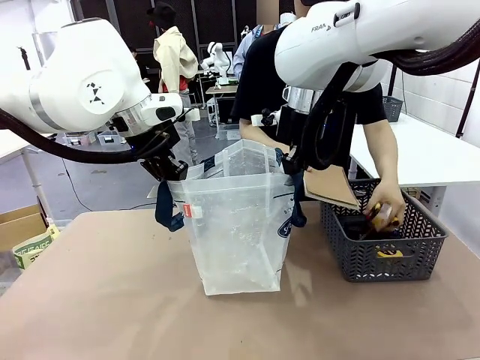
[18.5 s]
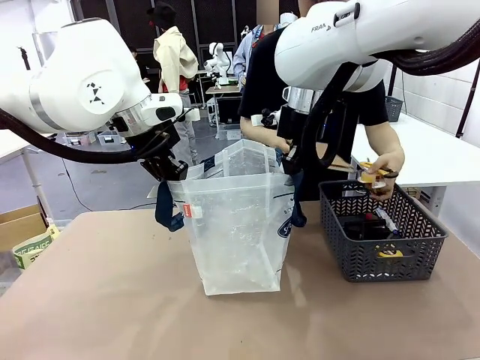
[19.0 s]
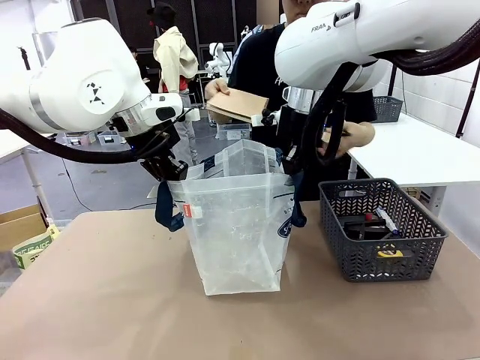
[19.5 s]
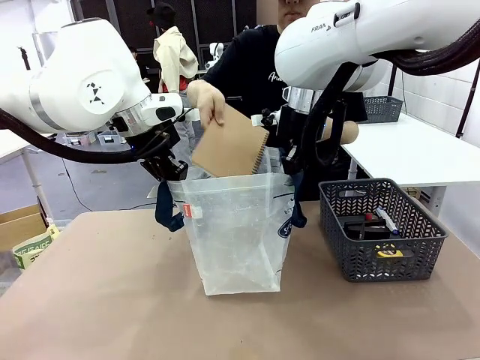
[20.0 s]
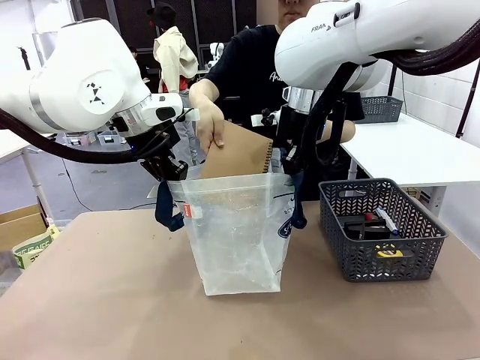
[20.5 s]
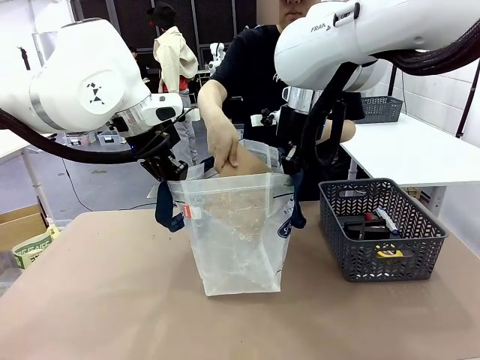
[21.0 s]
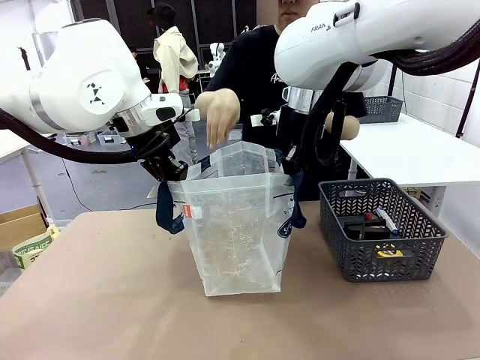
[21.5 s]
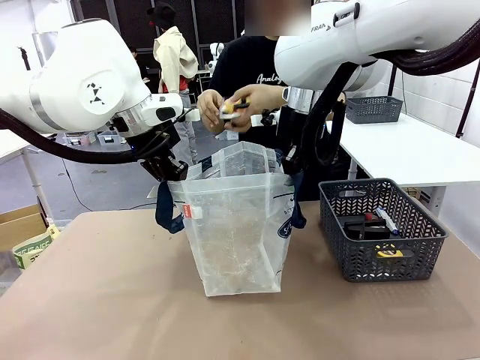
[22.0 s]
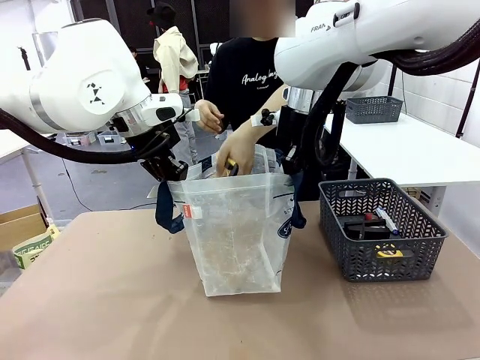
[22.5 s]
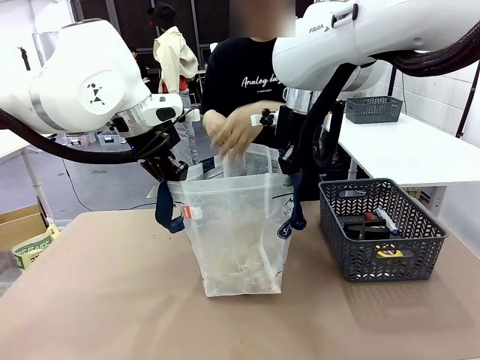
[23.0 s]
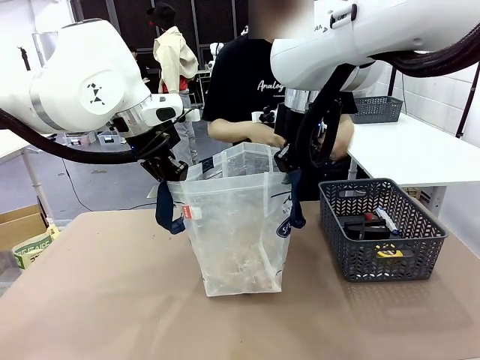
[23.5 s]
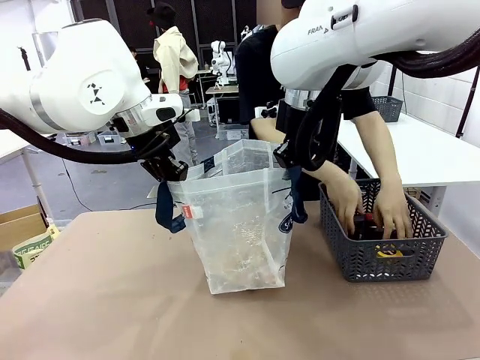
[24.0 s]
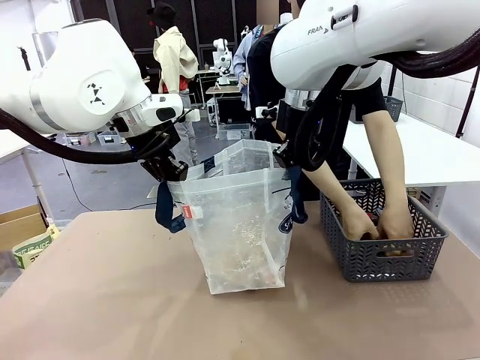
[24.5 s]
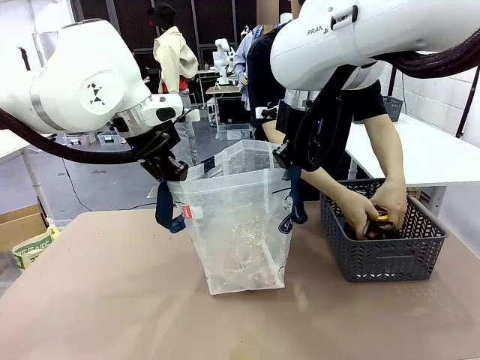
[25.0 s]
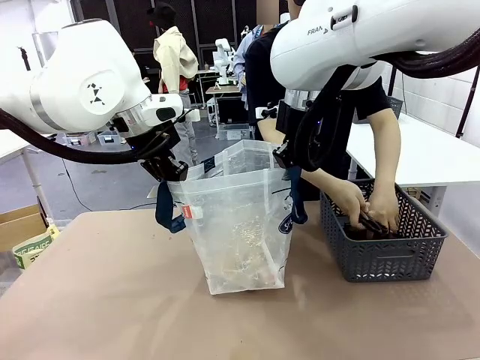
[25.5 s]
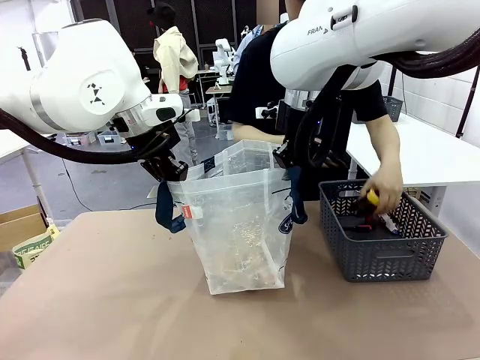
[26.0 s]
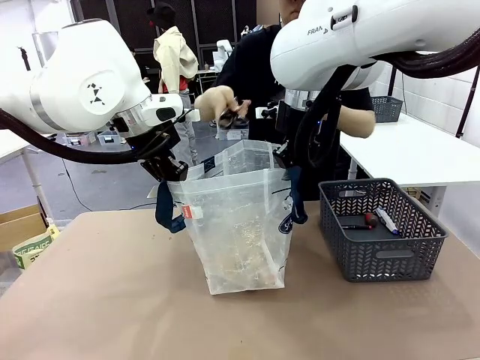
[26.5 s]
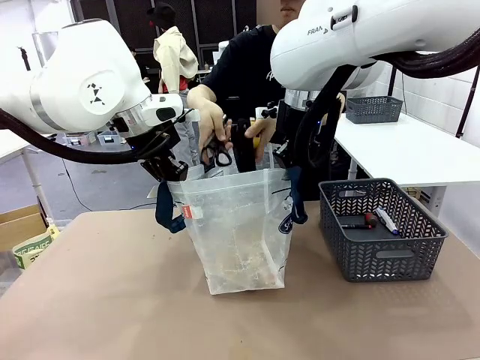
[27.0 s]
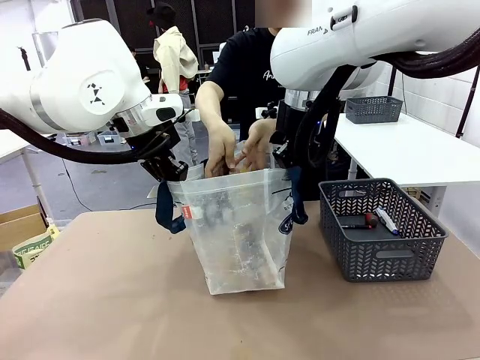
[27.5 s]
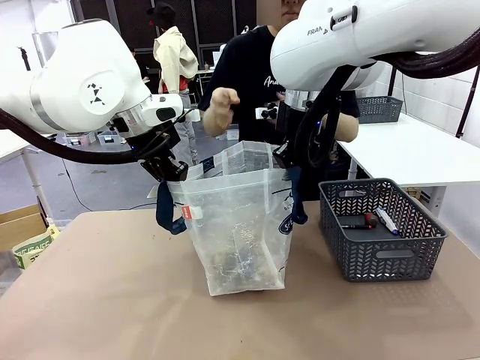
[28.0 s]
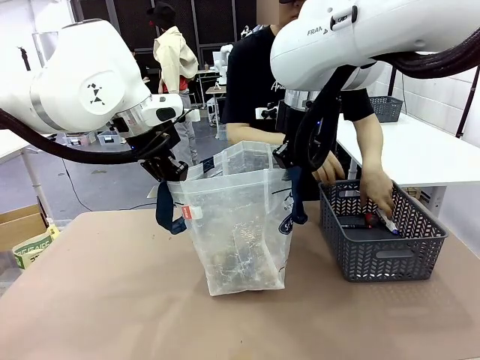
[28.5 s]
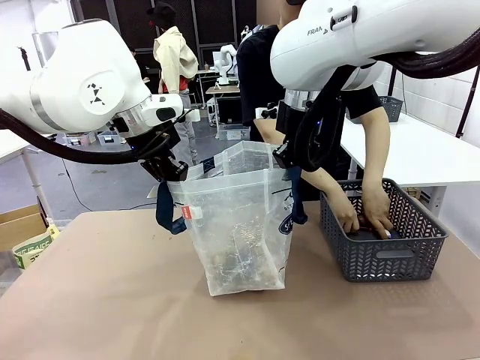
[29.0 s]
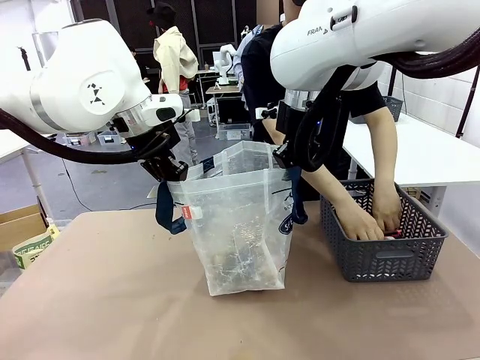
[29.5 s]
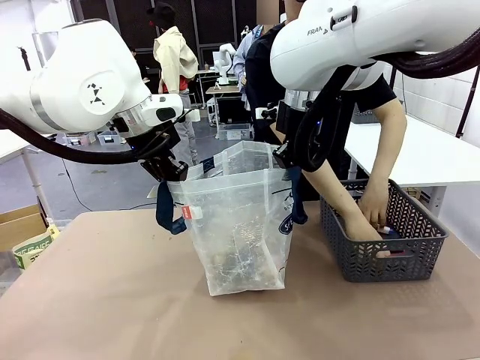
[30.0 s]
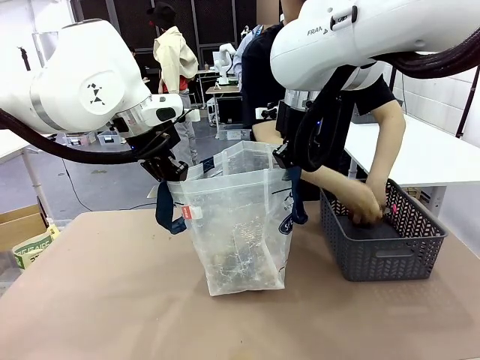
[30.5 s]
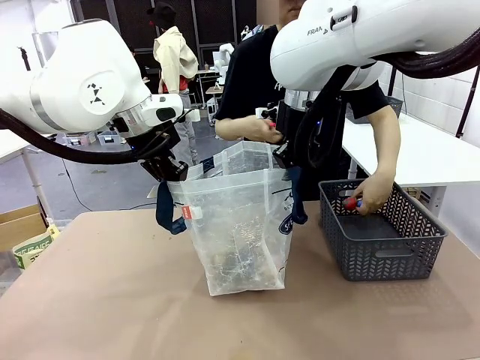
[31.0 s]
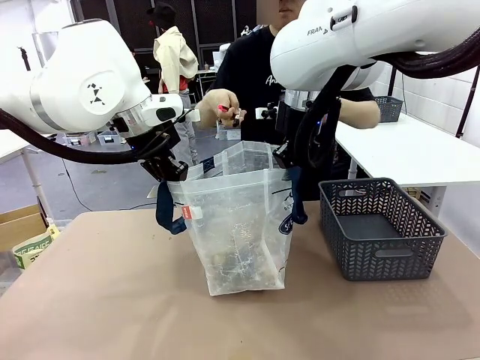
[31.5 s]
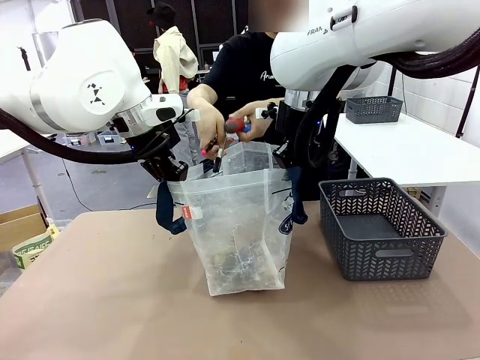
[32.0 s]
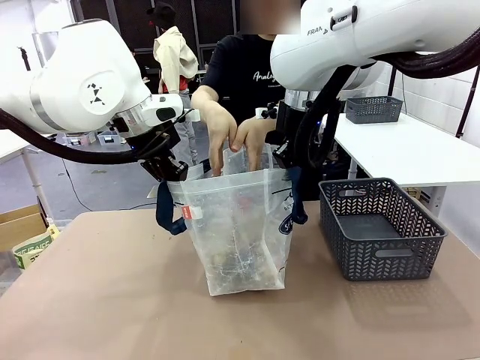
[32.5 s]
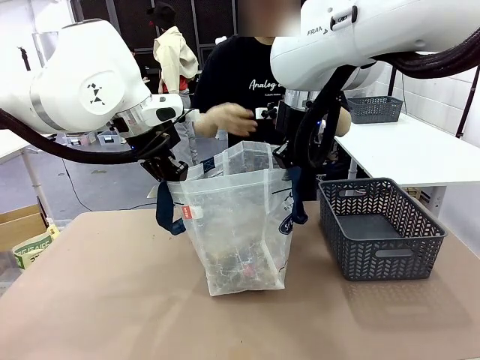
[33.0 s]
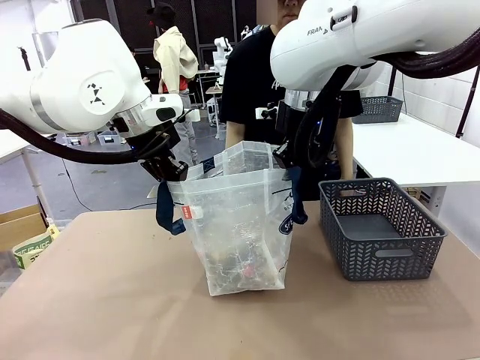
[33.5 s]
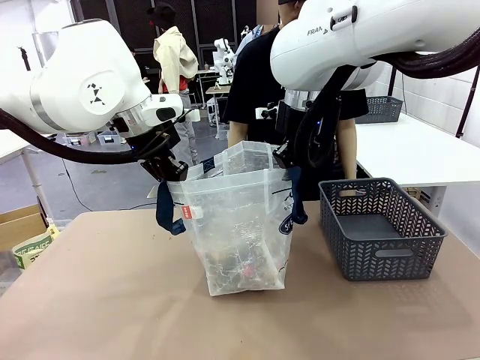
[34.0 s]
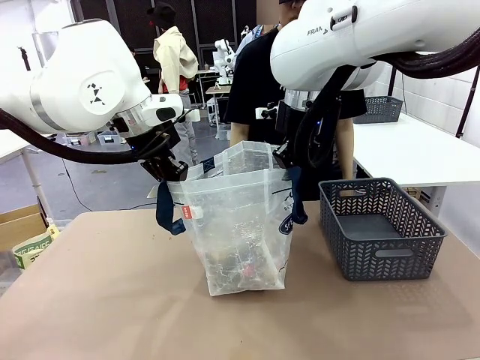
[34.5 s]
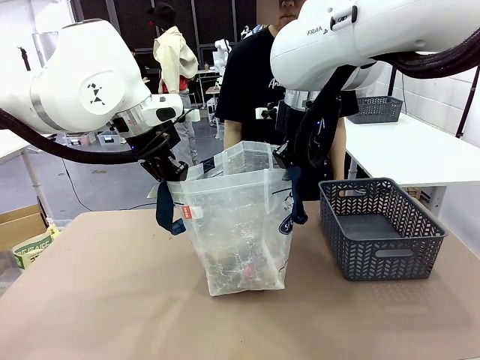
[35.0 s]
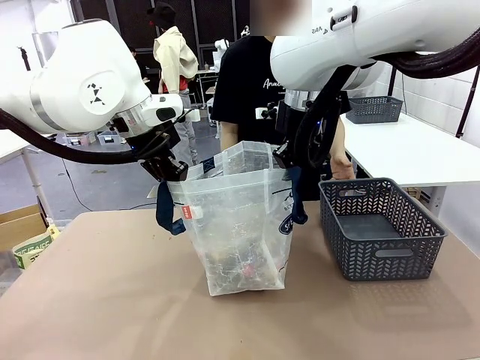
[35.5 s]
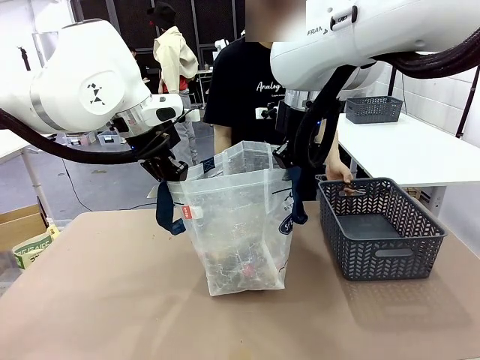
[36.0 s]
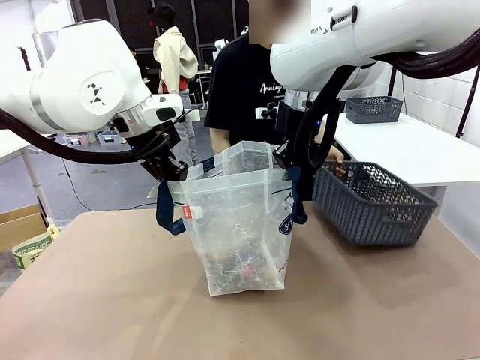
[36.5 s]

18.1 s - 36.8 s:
Task: Transfer purchased items from the store into the shopping bag.
Robot: Move the Reusable shopping bag to the right side of the table.
Person: Pick up the basket on the right, place it on the left side of the robot table, and move the items in the basket to the shopping bag.
